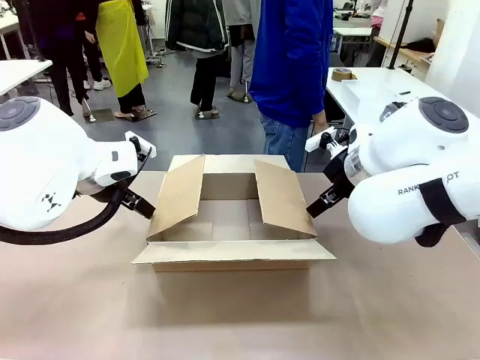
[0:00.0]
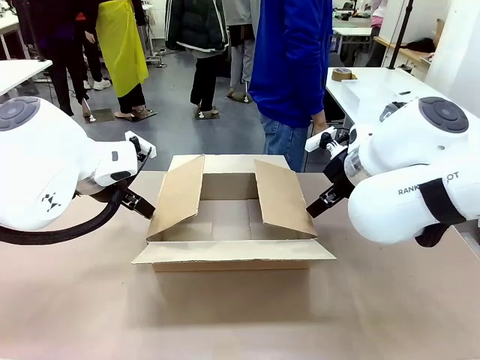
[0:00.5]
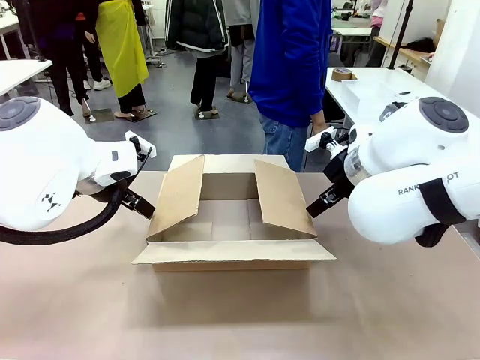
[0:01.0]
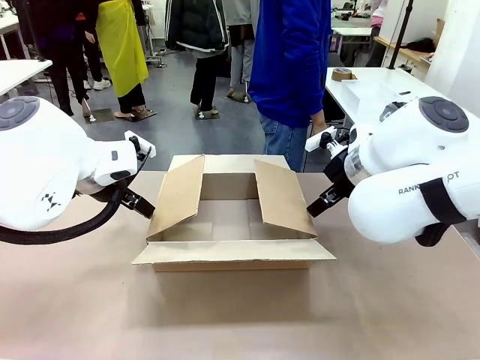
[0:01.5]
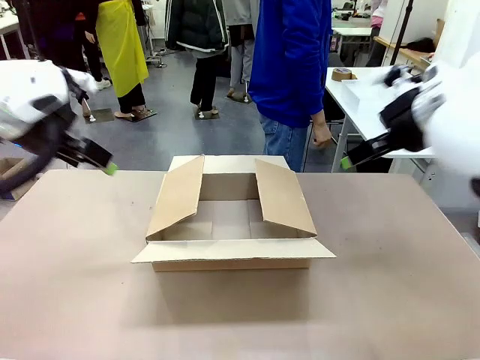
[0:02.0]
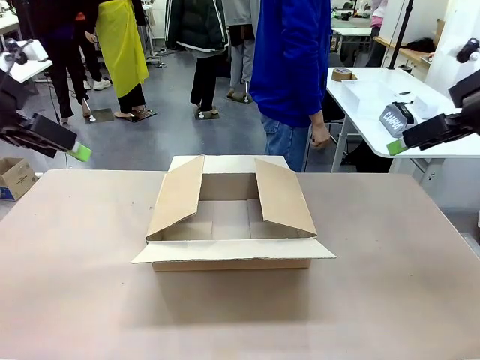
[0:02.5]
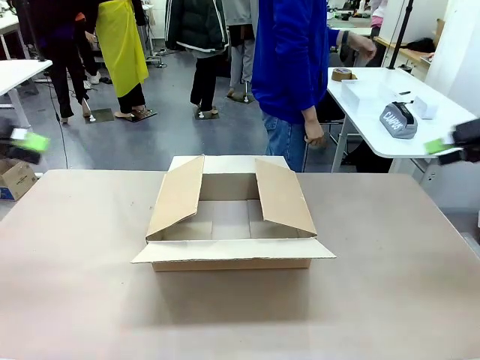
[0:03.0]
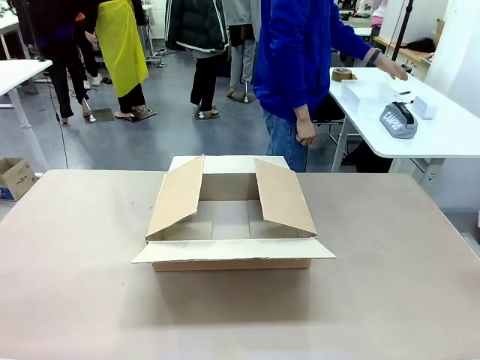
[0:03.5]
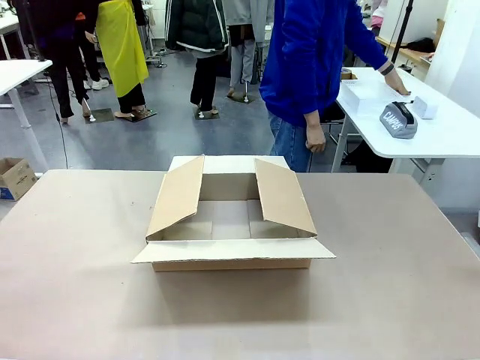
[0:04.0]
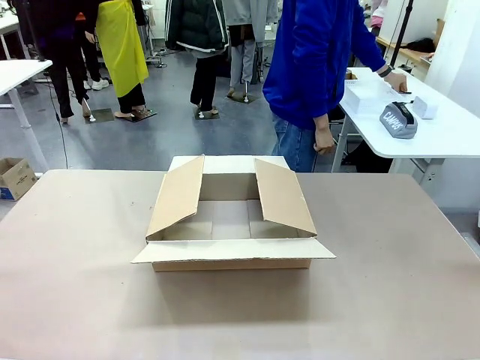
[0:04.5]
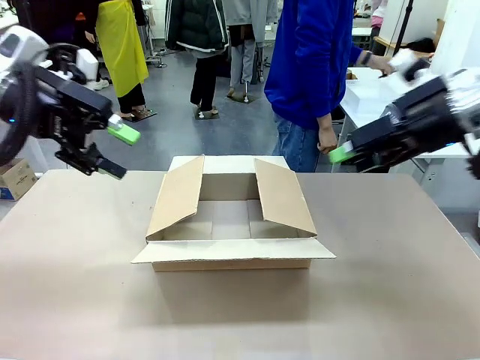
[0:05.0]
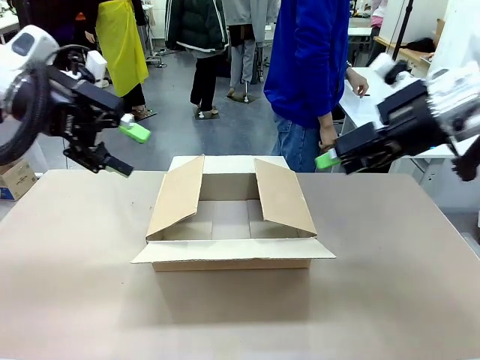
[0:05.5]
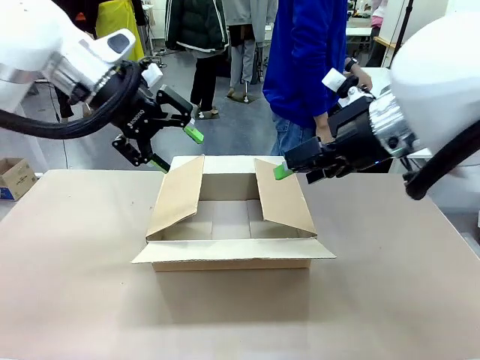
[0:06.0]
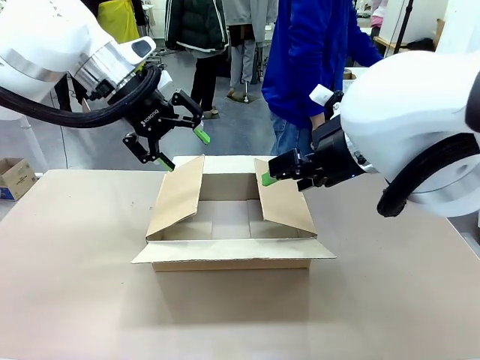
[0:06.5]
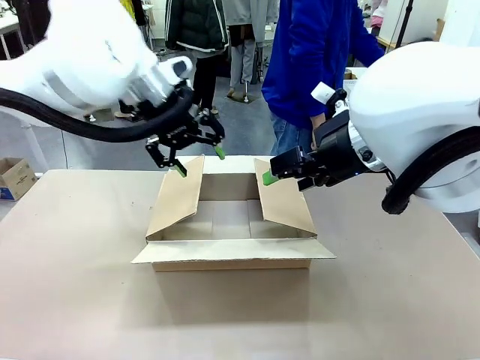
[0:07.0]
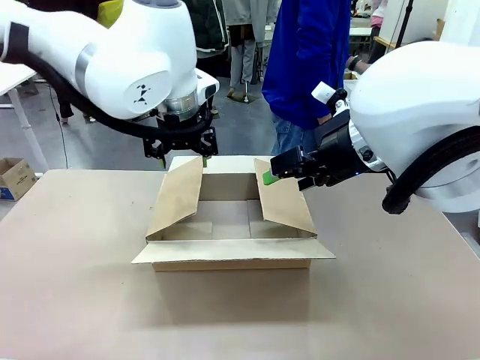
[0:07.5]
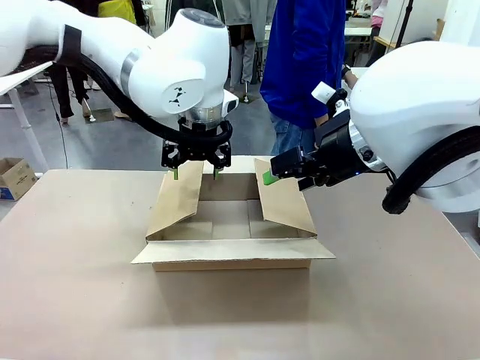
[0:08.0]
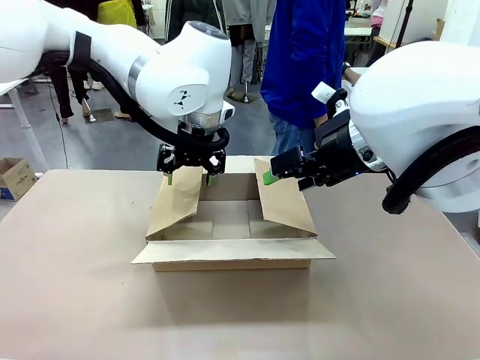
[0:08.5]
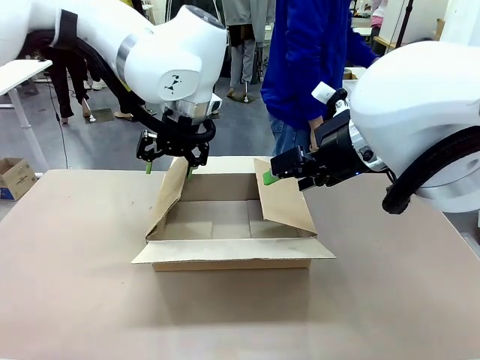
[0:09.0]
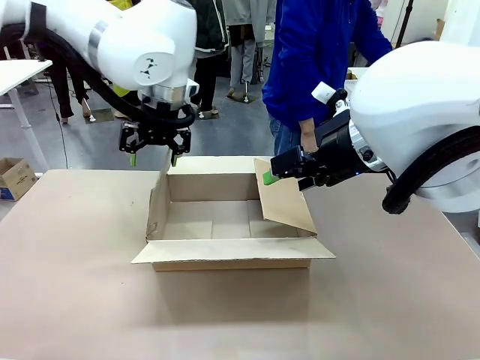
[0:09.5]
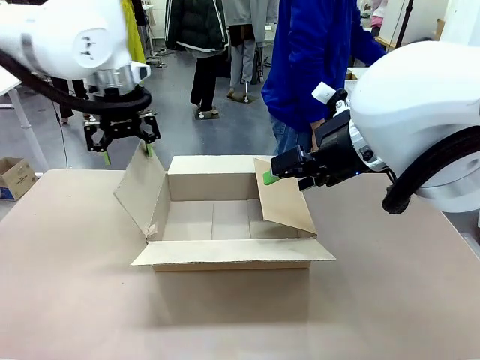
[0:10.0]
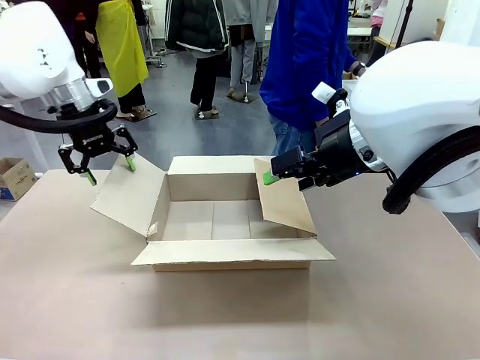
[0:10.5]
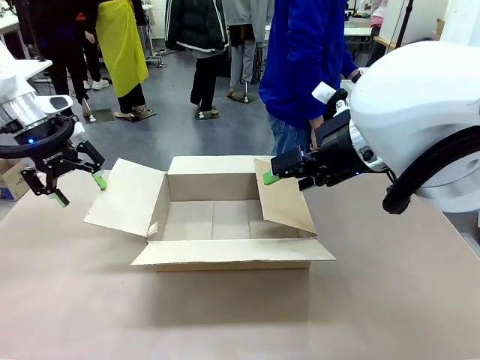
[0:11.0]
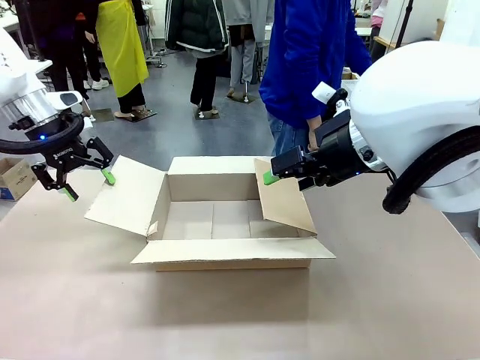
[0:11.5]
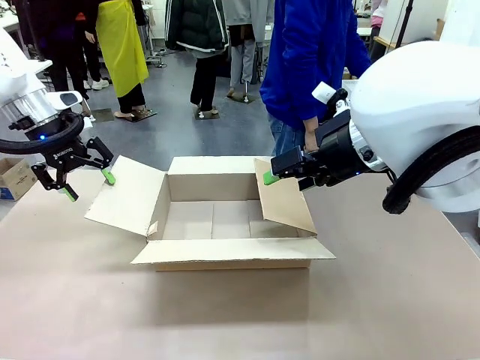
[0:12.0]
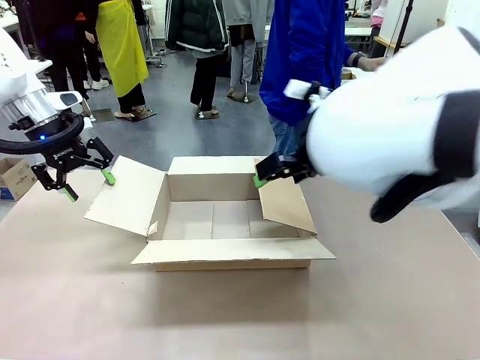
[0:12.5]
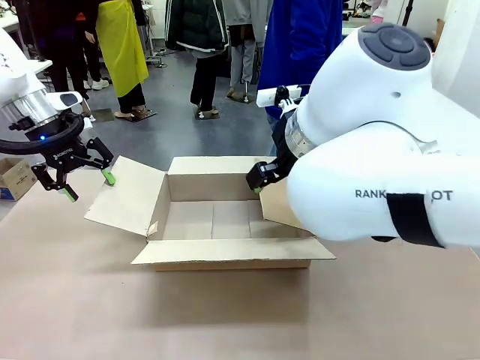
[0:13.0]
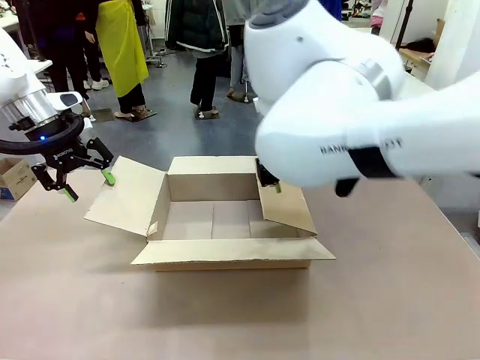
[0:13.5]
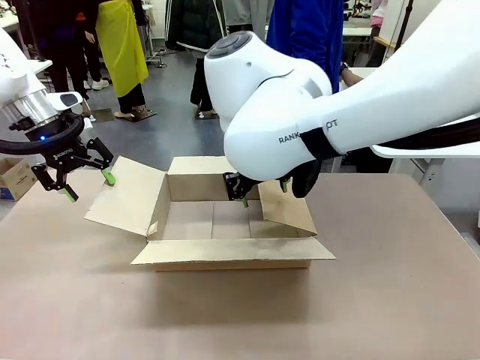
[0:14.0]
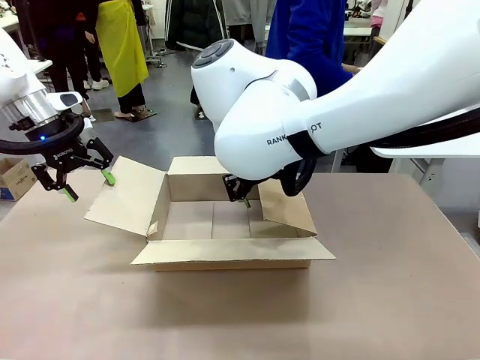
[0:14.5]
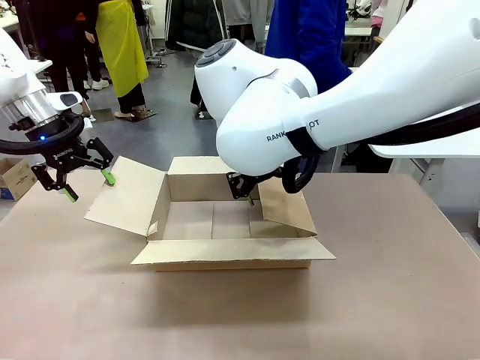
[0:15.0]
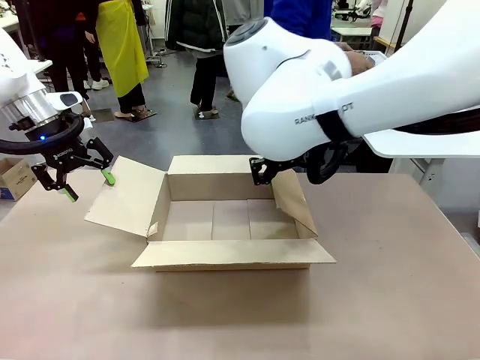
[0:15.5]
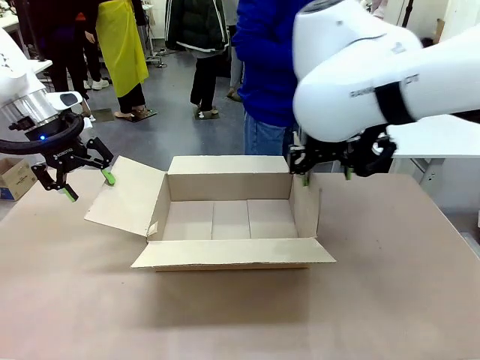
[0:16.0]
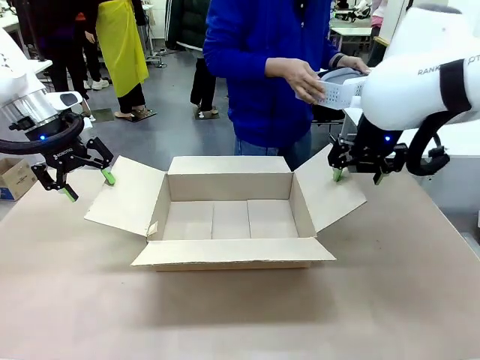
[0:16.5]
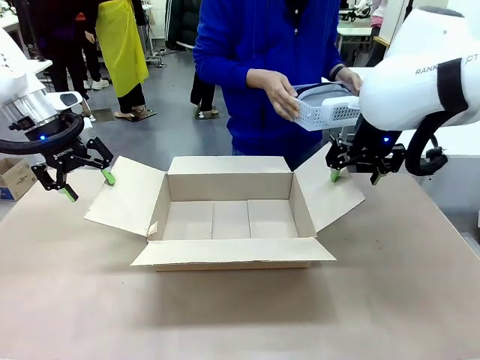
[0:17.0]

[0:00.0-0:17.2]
Task: Pack the gift set into the box.
Robot: Place both hands on the side flaps of the Package Box and spread them outward.
Person: The human places all items except the paper tape into the organizing basket.

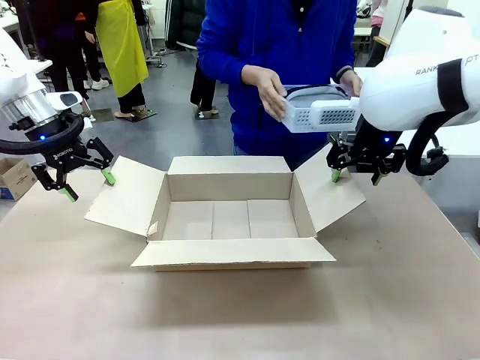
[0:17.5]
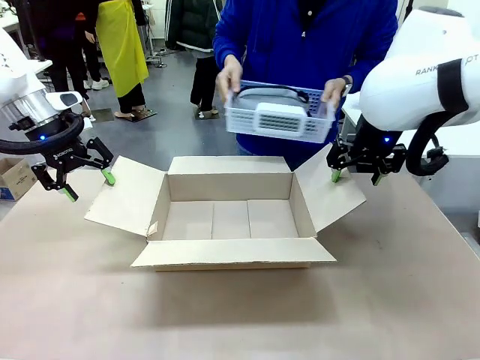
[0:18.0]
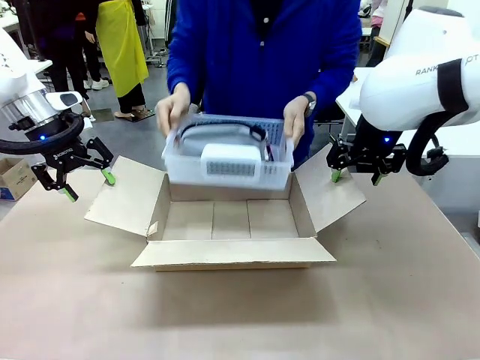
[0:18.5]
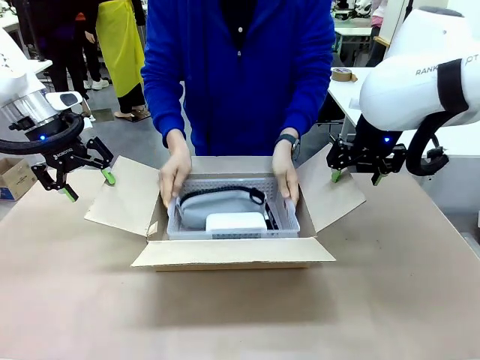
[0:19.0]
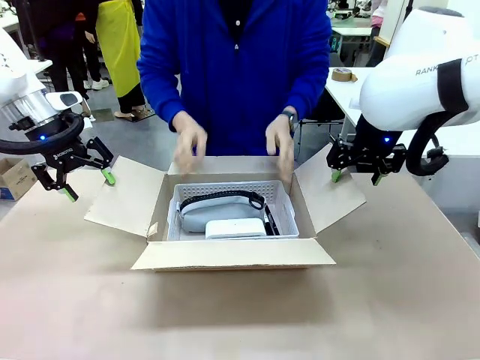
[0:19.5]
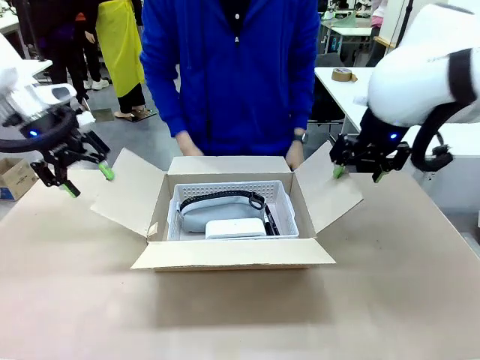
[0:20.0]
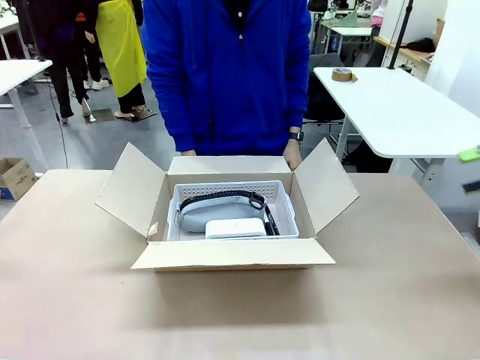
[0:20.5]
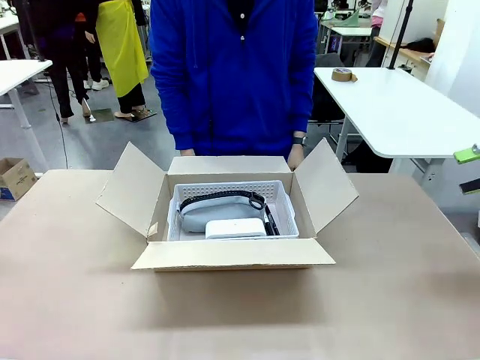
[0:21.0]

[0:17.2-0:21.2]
Robot: Lift both hands away from the flaps of the Package Box.
Person: The human picks up the organizing basket and places the organizing basket into the package box on the robot table.

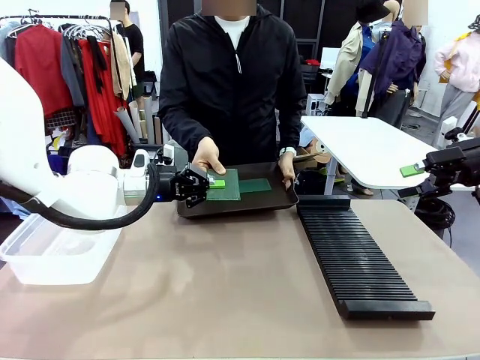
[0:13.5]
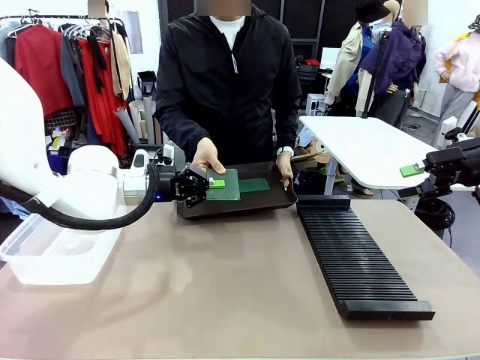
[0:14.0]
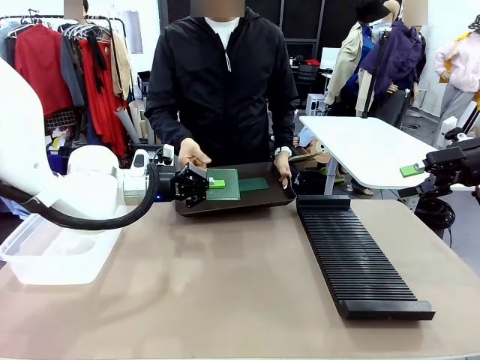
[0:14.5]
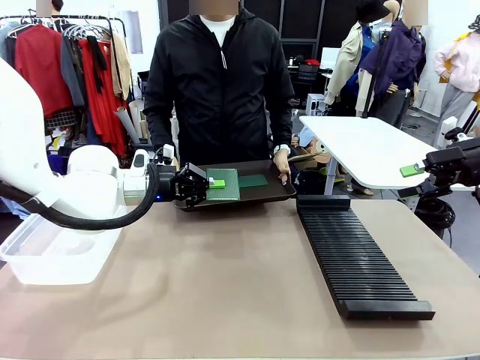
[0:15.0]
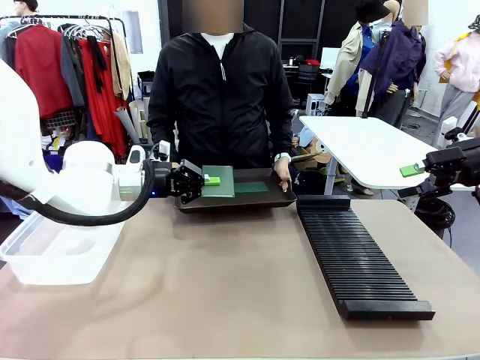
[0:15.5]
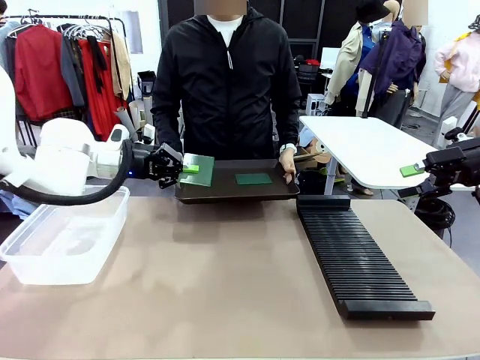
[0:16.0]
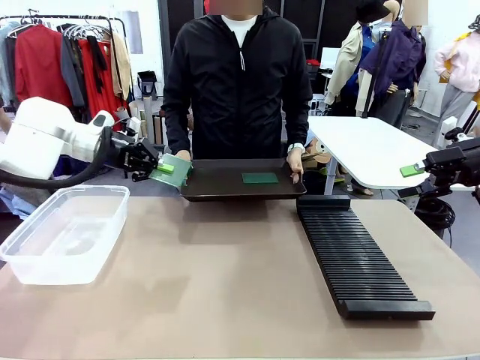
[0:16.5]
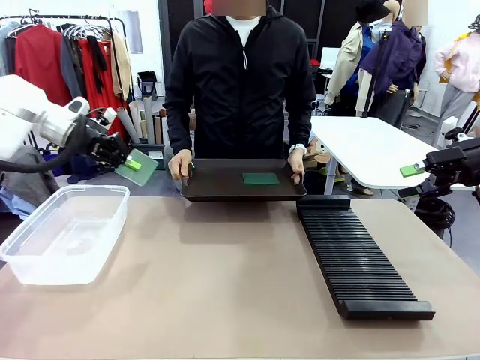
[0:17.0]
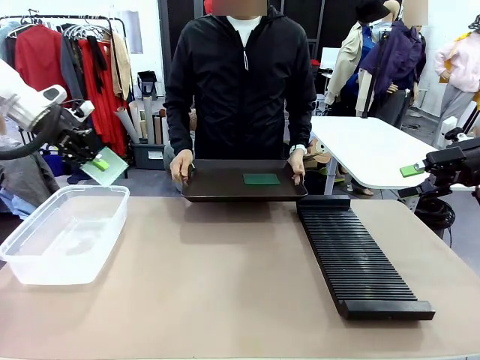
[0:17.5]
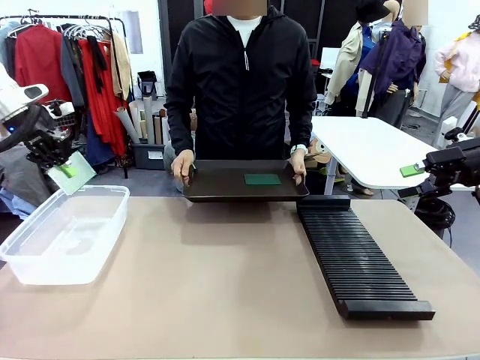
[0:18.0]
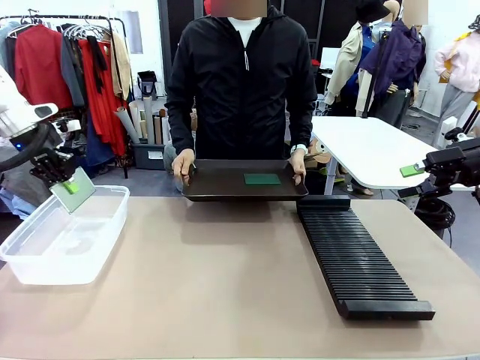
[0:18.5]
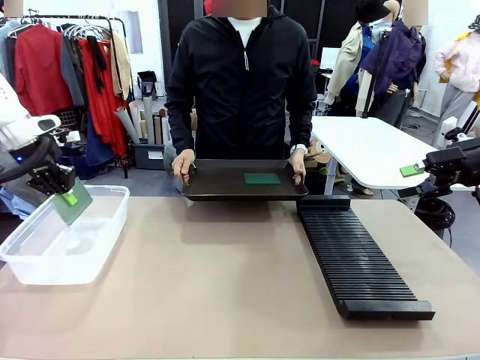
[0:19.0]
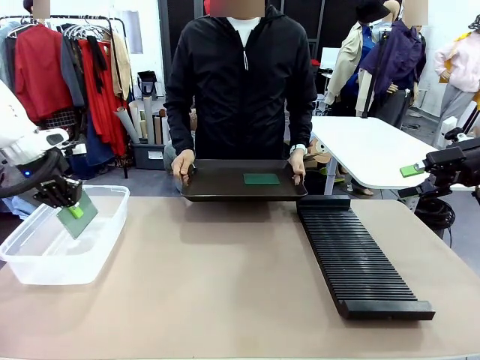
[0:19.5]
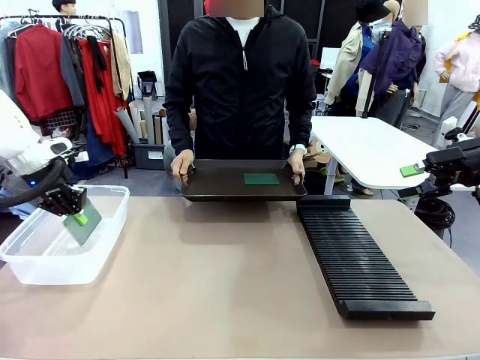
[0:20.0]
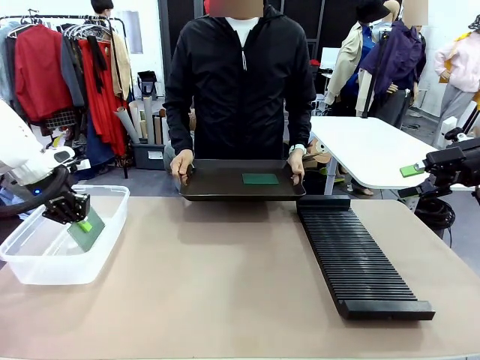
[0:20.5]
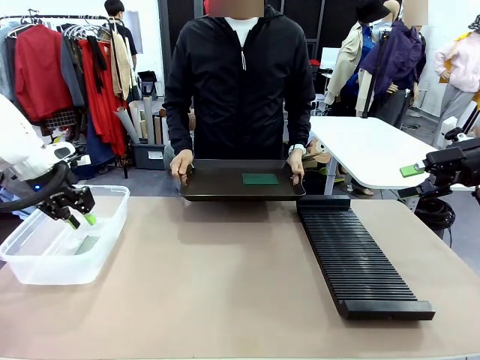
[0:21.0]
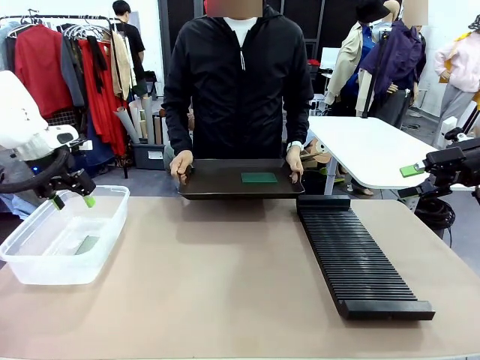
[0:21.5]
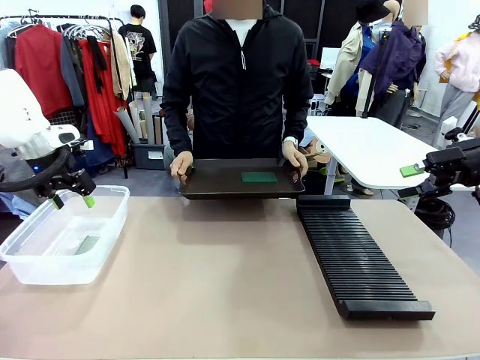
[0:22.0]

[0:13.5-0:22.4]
Task: Sort PCBs into racks and boxes based on the side picked up.
Robot: If the short side of the Blank PCB is picked up, insert it into the PCB Rack ; if the long side is picked up, place it in the Organizing box.
Person: Pick one PCB from the tray and present it to the robot.
